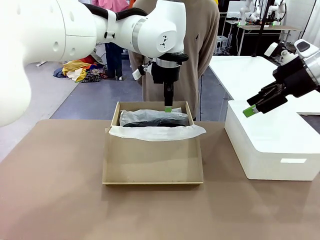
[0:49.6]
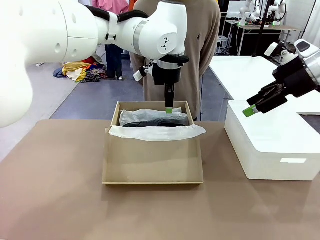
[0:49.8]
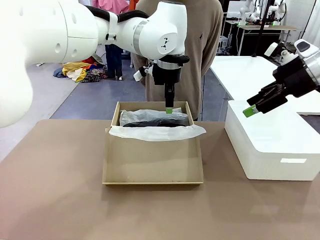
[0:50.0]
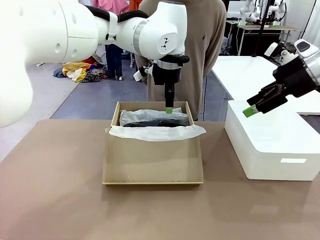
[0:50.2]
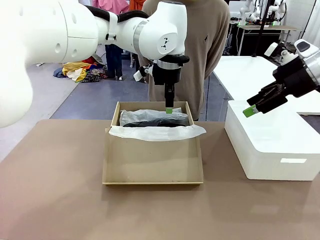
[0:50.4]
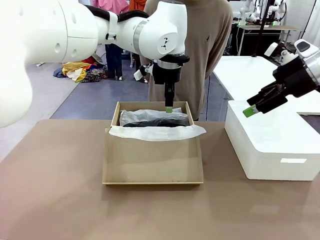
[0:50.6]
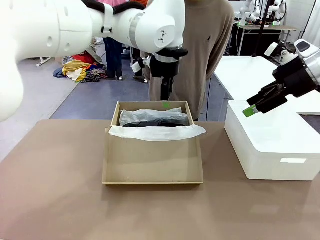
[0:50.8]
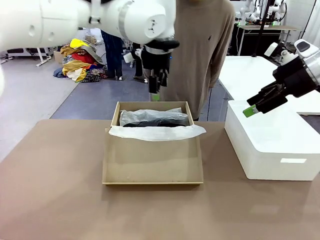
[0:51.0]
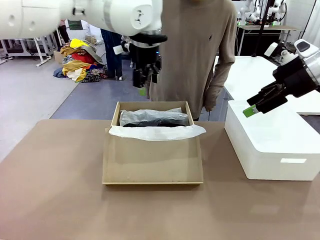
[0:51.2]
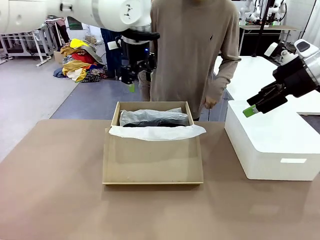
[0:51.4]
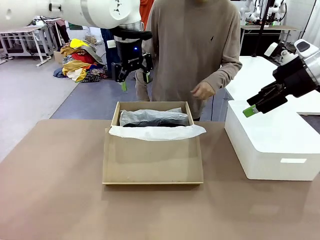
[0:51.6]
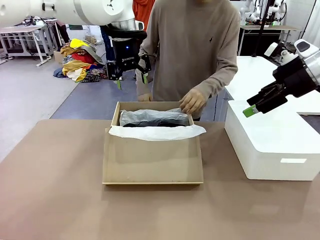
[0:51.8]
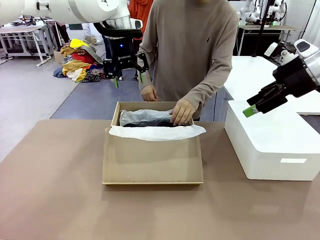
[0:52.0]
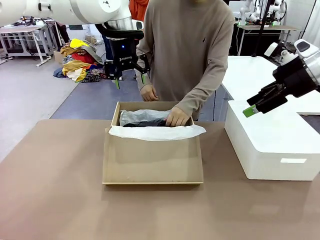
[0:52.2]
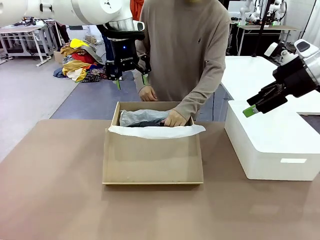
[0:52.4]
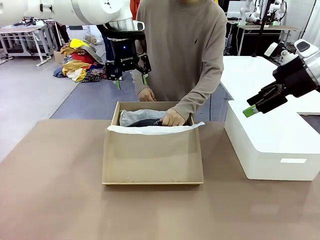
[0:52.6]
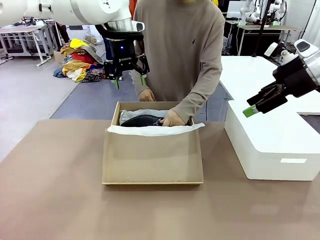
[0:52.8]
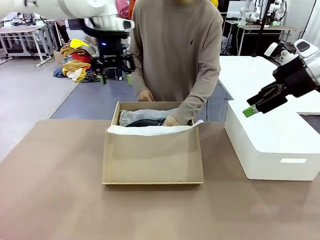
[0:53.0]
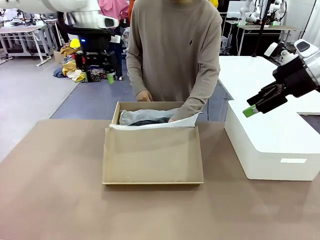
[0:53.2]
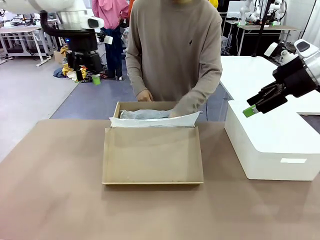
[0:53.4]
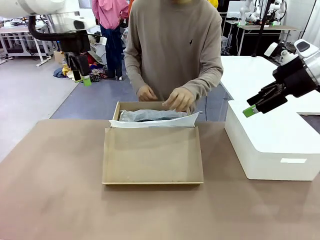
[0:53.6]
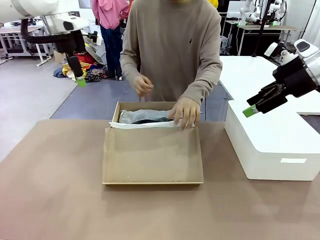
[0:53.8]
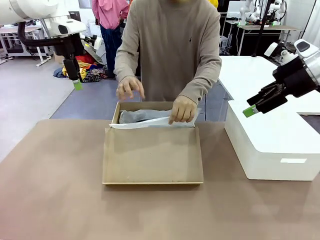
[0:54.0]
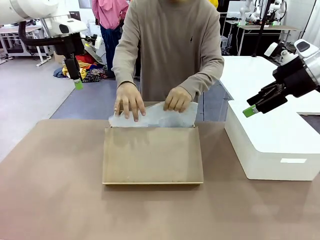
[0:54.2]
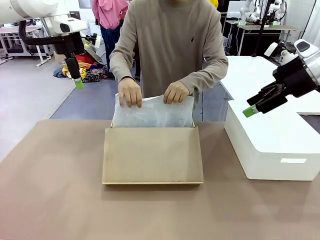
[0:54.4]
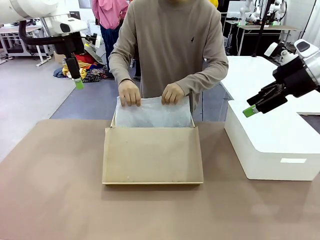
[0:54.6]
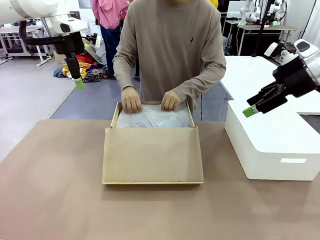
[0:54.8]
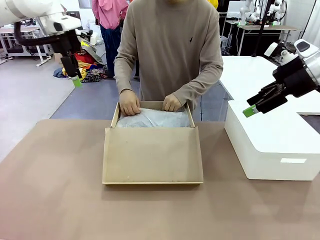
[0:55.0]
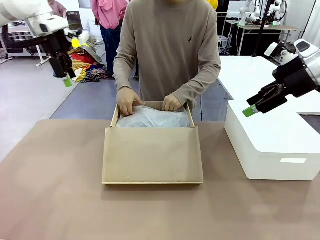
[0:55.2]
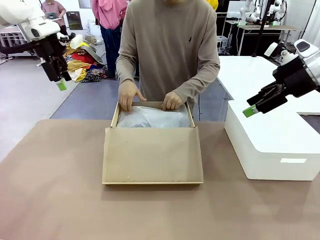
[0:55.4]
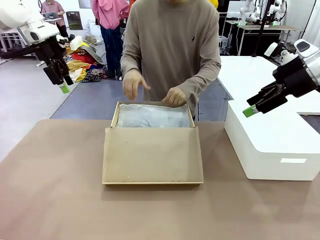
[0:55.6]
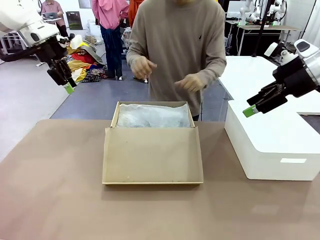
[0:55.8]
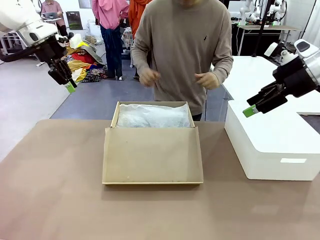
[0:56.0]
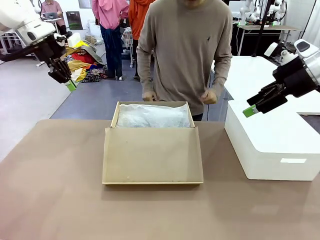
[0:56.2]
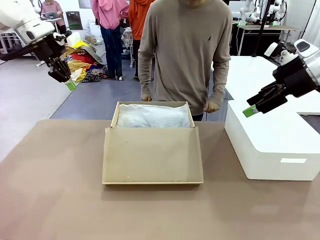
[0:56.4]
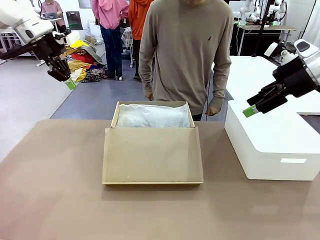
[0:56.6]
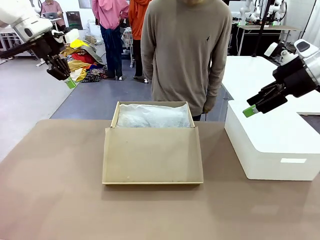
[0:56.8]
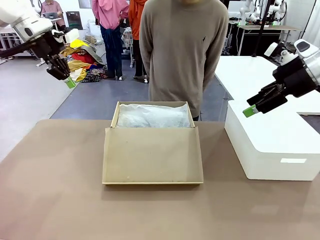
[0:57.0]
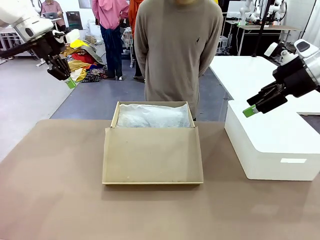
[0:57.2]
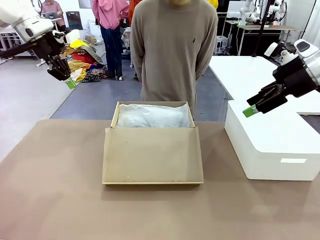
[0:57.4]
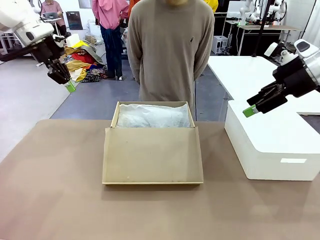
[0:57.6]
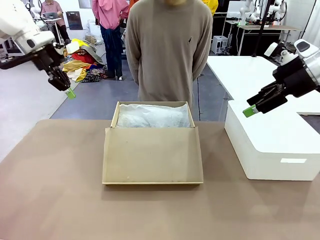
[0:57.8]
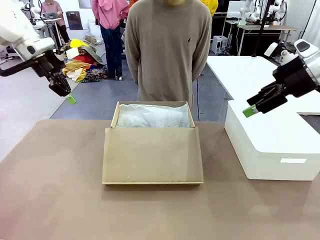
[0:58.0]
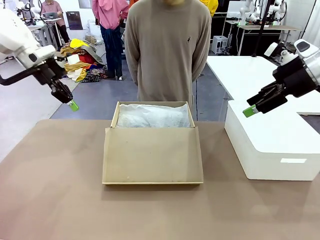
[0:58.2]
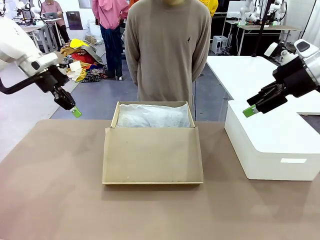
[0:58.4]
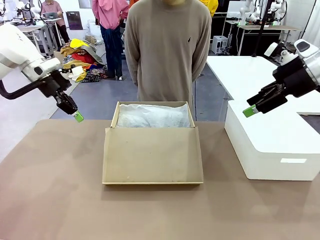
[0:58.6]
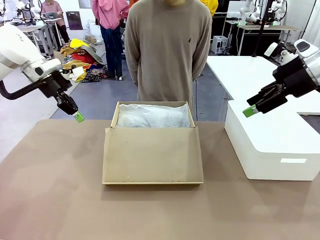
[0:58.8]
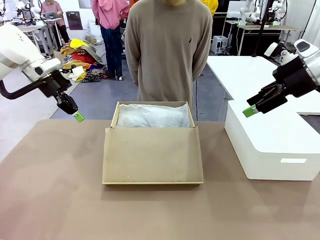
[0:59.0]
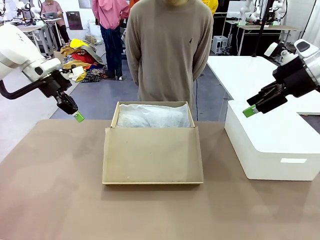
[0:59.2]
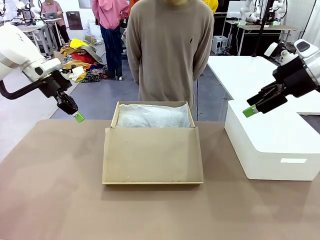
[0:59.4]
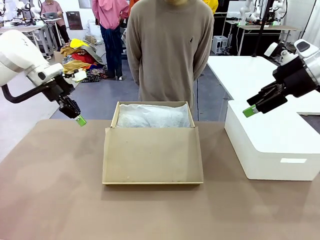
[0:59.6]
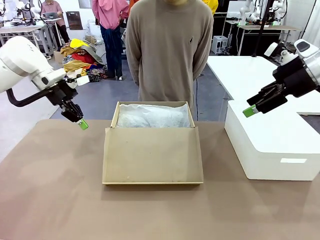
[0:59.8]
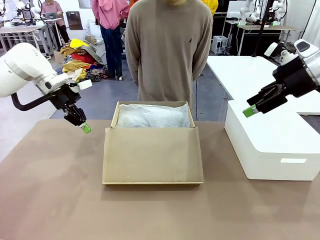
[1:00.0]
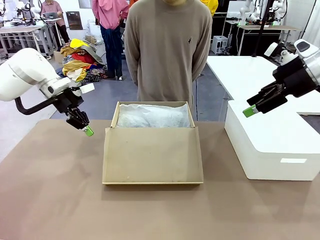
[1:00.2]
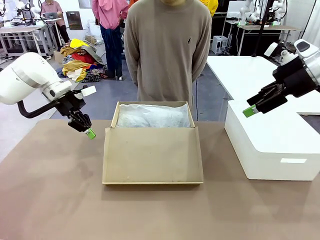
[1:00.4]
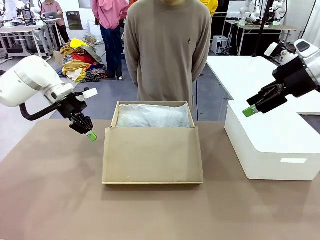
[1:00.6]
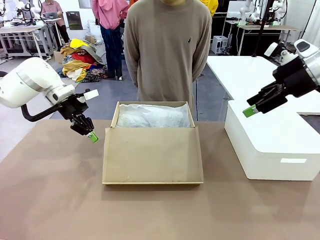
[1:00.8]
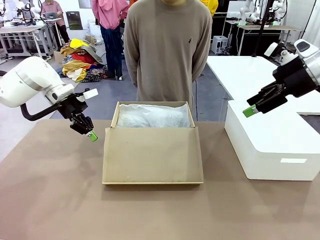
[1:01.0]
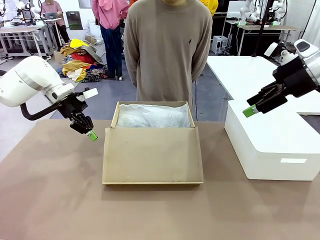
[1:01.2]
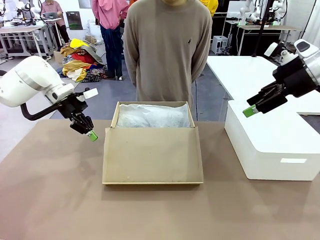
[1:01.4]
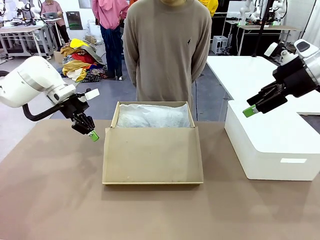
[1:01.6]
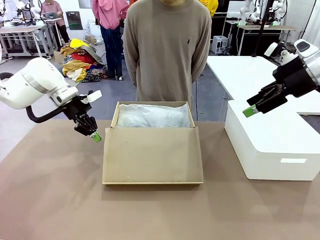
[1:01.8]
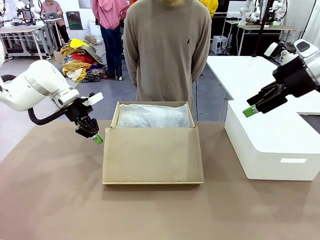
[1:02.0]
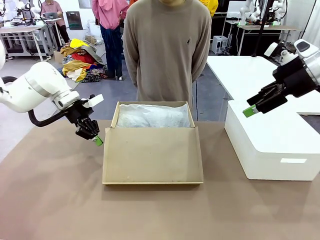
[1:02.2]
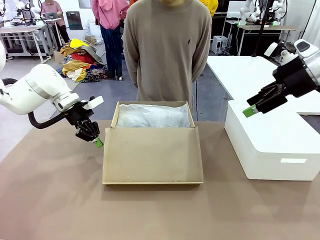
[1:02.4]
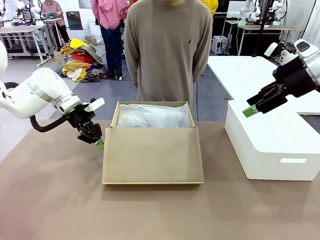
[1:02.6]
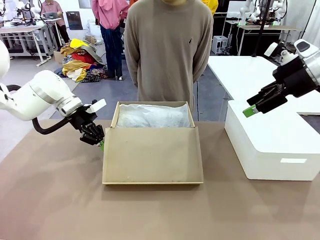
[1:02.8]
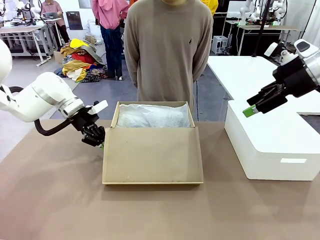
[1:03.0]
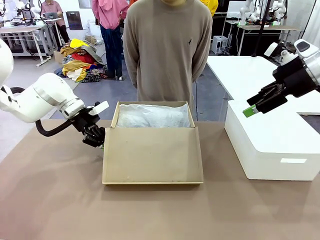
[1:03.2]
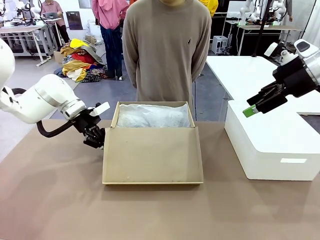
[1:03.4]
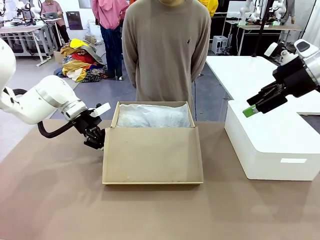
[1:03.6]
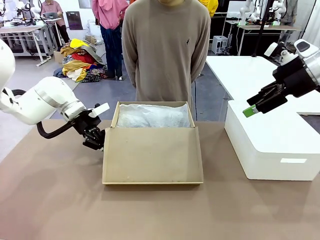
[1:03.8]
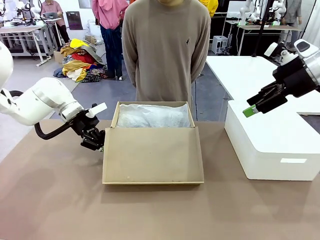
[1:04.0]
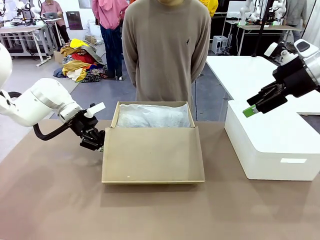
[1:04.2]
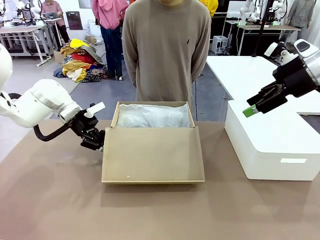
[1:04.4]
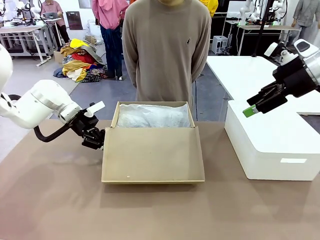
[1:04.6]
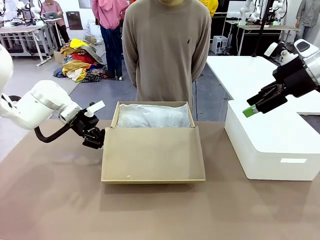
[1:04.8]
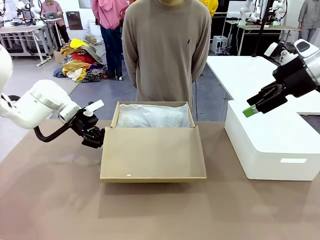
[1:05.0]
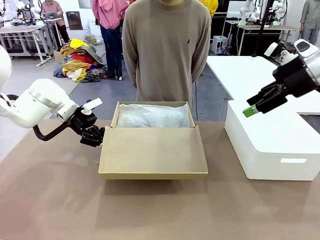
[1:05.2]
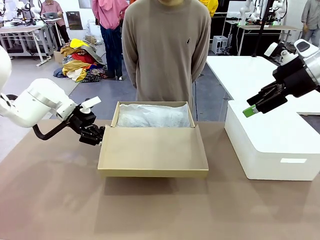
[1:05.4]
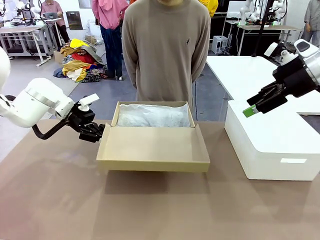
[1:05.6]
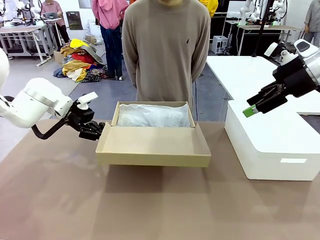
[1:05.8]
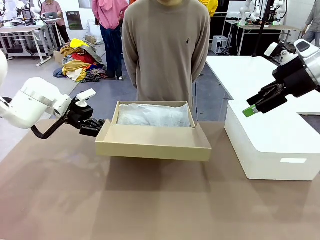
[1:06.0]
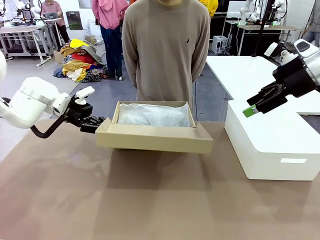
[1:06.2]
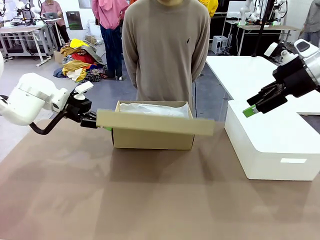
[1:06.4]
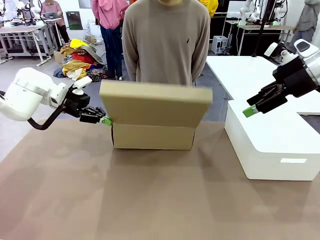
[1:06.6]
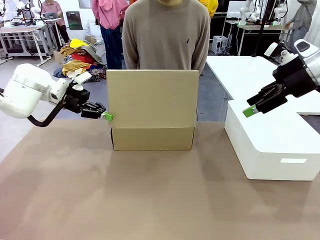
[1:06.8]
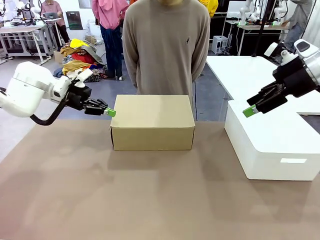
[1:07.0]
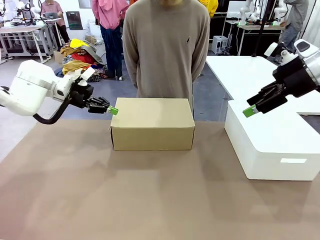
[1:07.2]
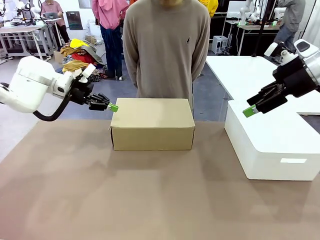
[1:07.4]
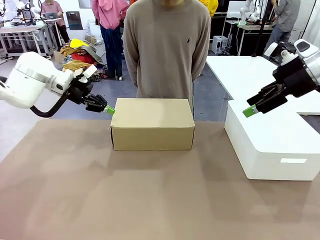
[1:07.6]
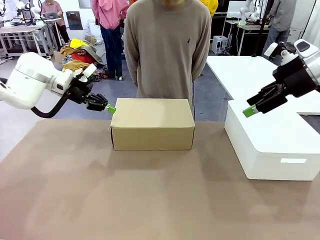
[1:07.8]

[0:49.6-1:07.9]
Task: Pack the shoes into the box.
Robot: Close the Shoes Box.
